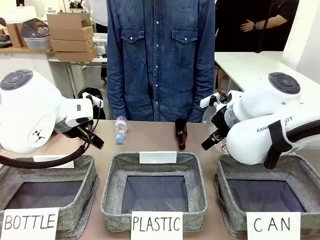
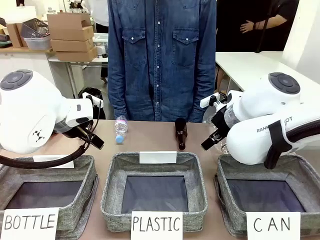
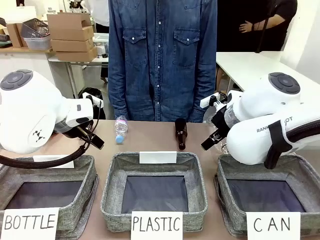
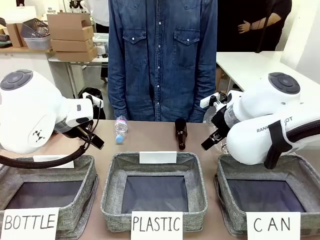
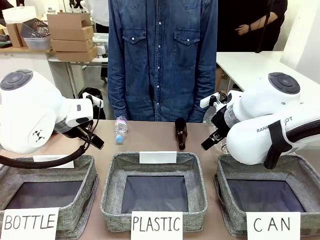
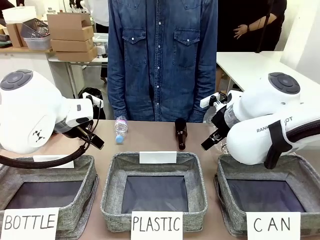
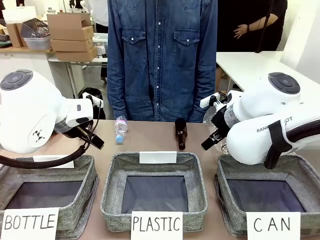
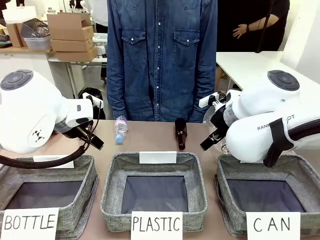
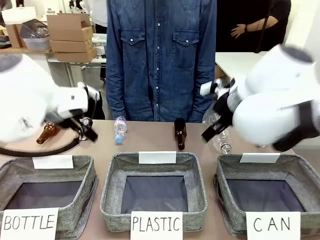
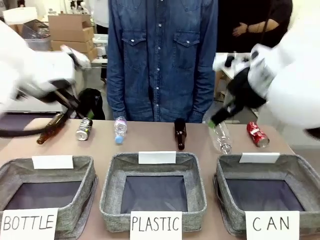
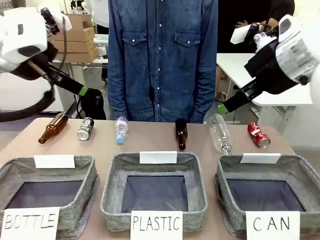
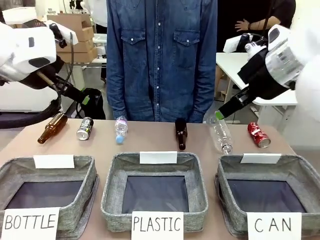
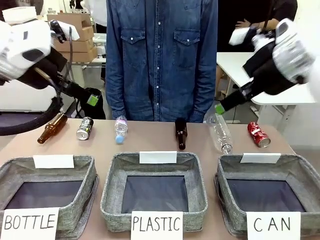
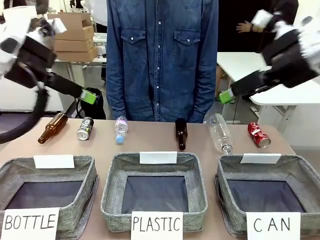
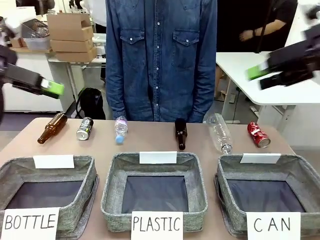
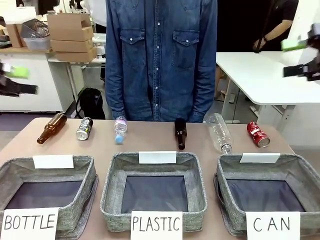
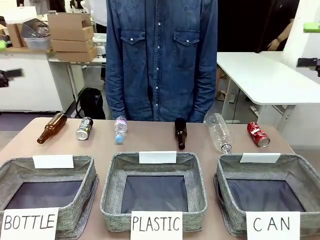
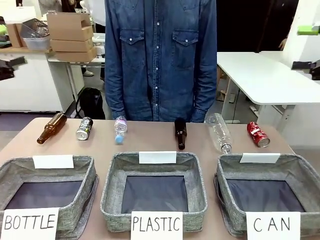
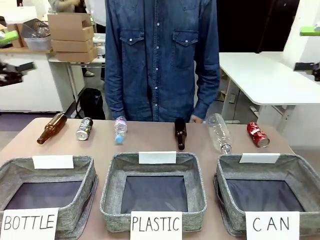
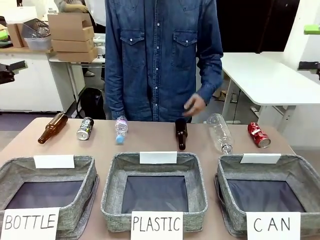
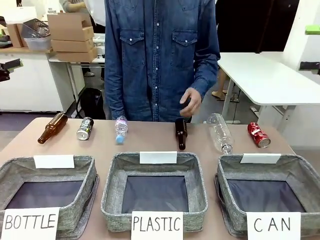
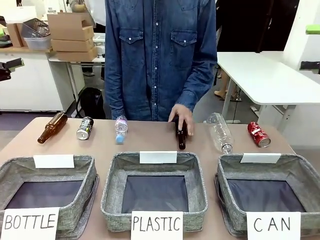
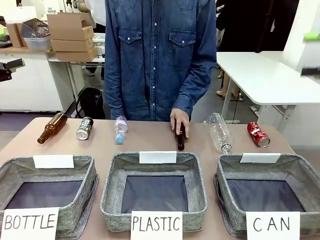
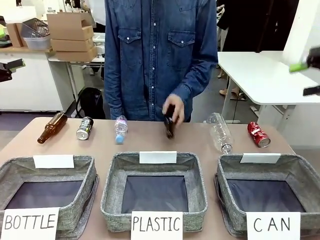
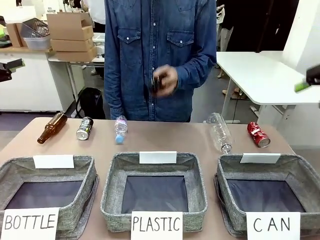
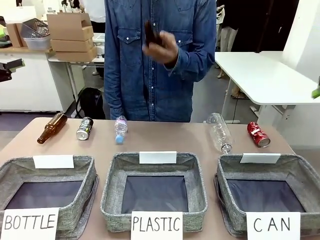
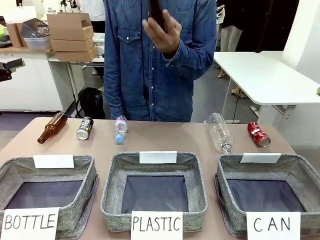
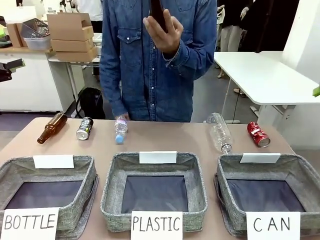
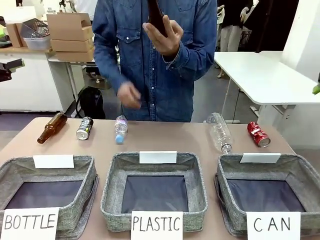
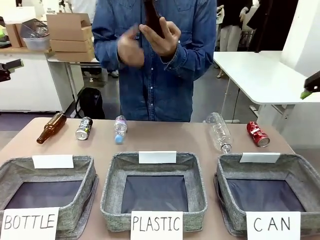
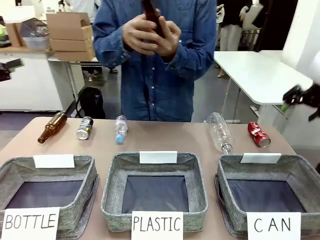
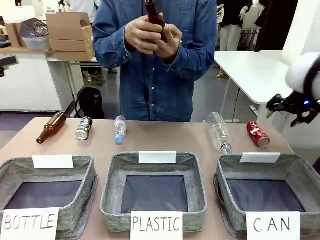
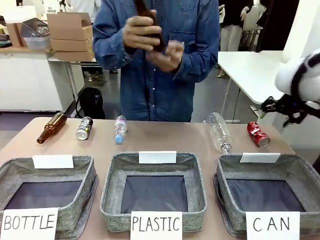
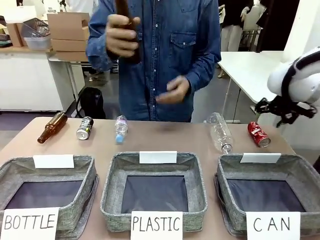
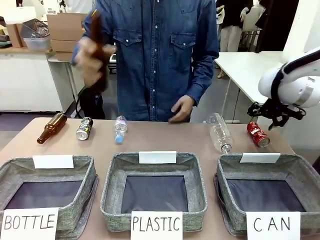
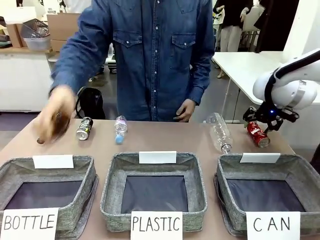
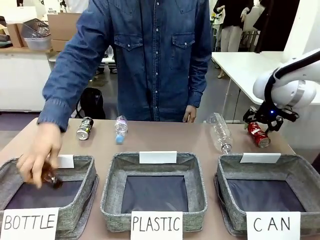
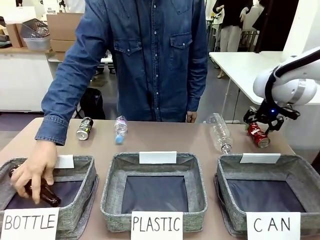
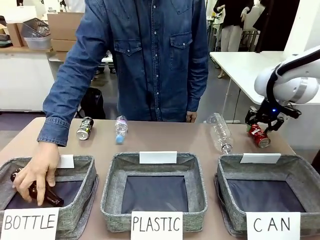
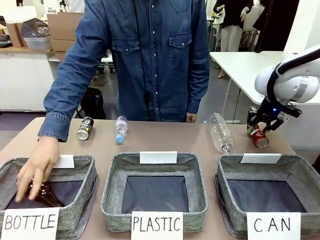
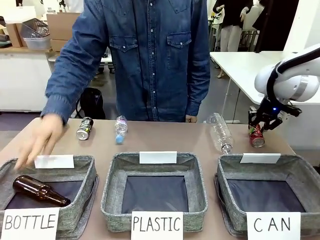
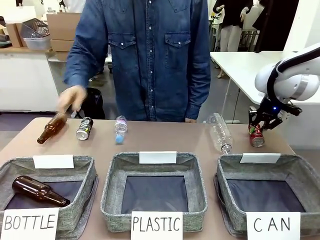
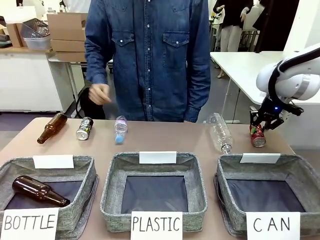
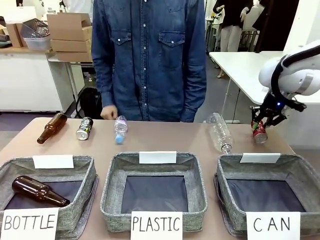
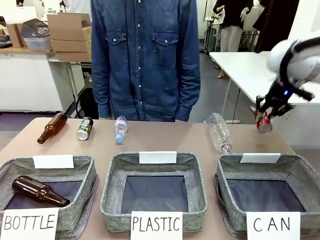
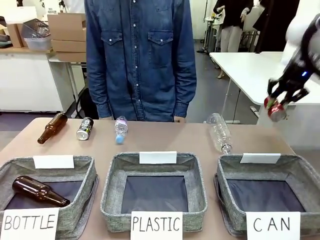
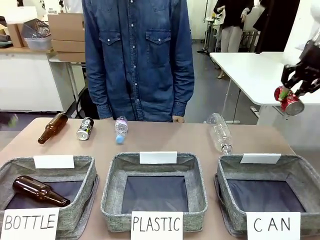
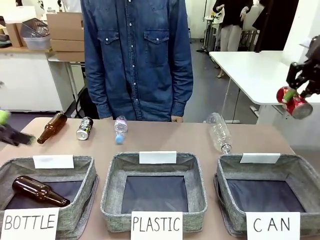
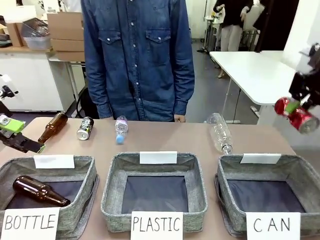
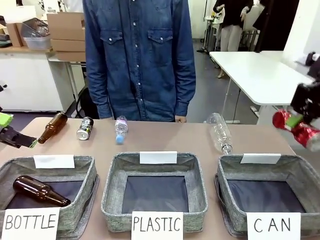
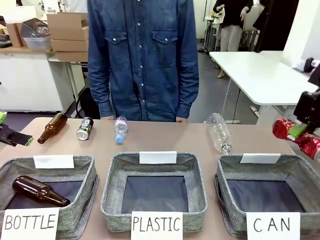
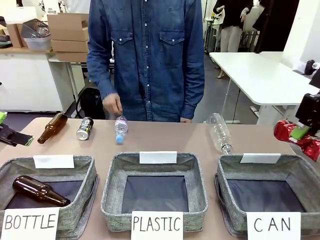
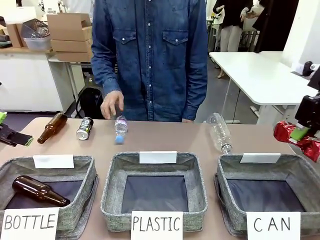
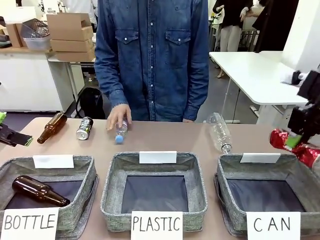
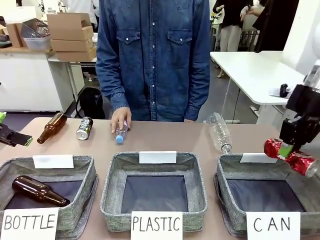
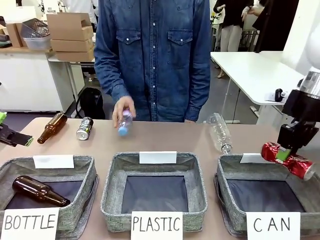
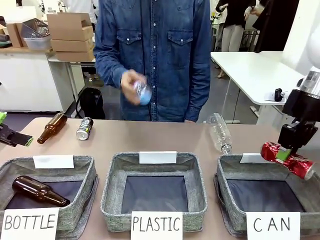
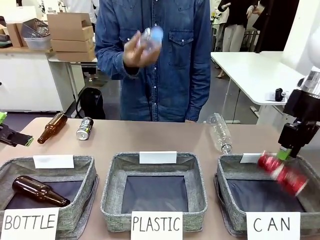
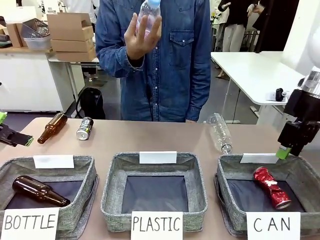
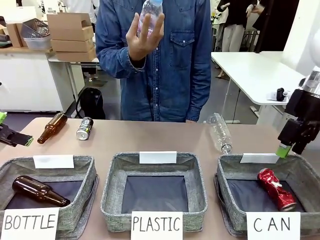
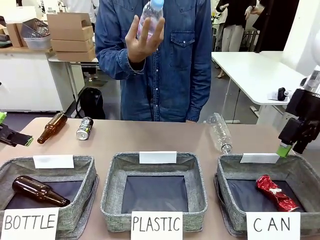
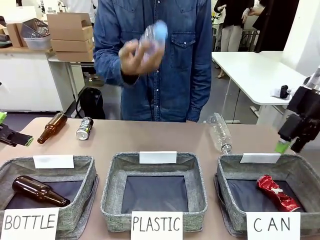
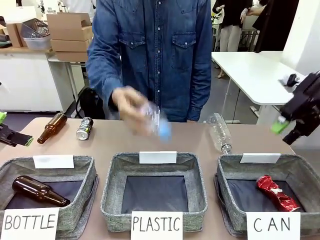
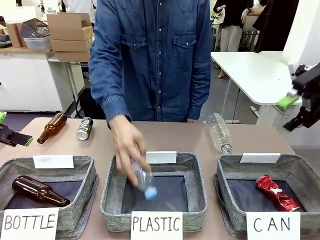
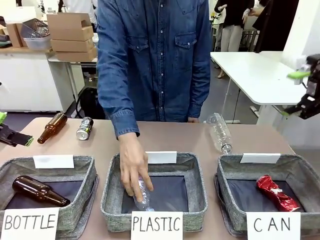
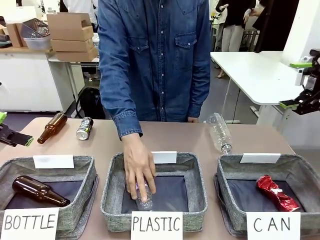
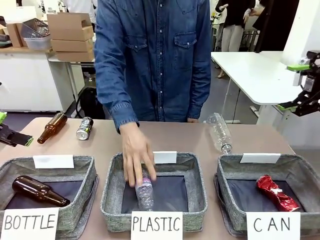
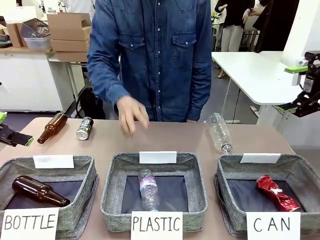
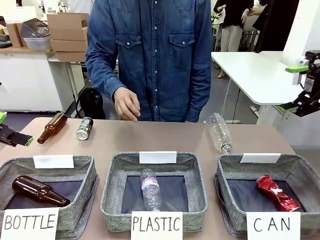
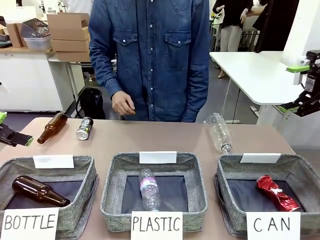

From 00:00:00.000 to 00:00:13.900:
Task: Sort the can waste into the basket.
Robot: Pick up the can waste from the table and place it in the right Fabric basket.
